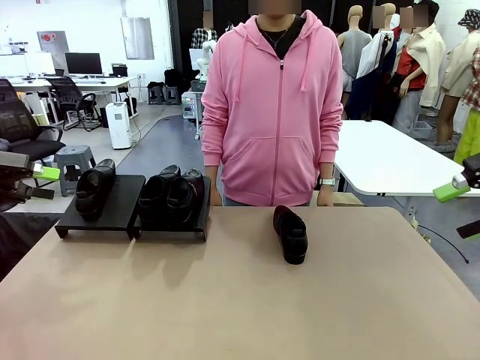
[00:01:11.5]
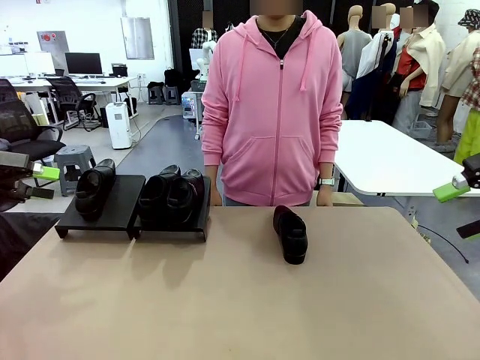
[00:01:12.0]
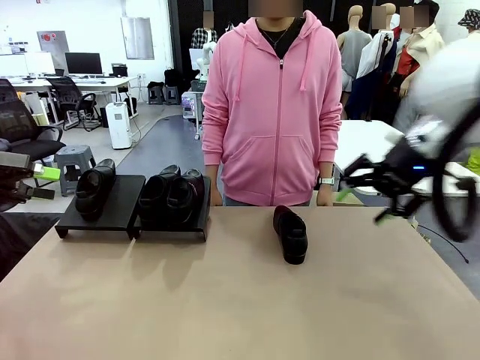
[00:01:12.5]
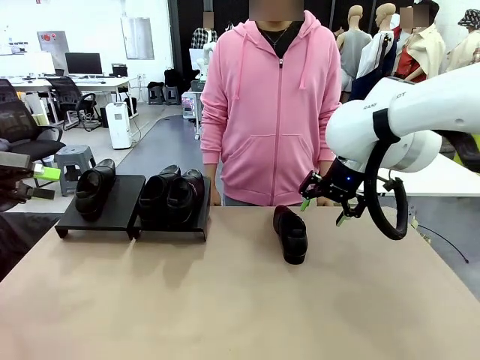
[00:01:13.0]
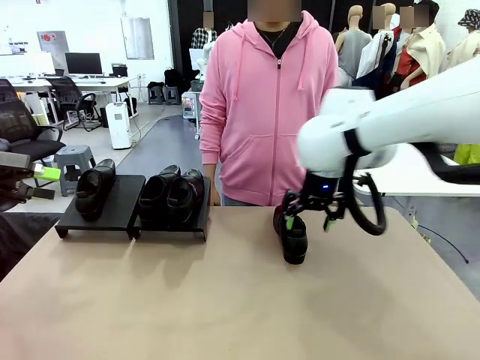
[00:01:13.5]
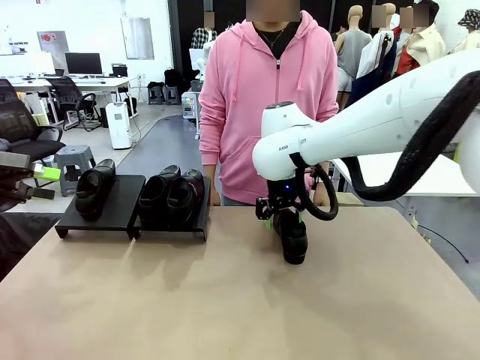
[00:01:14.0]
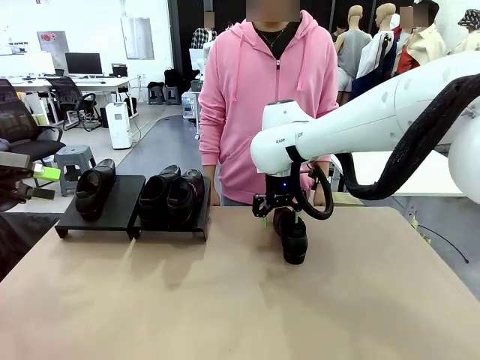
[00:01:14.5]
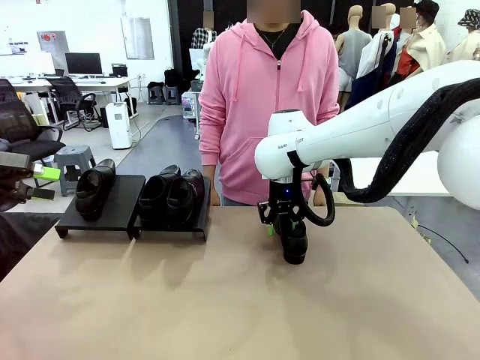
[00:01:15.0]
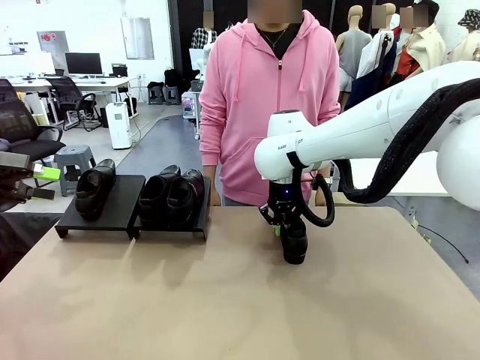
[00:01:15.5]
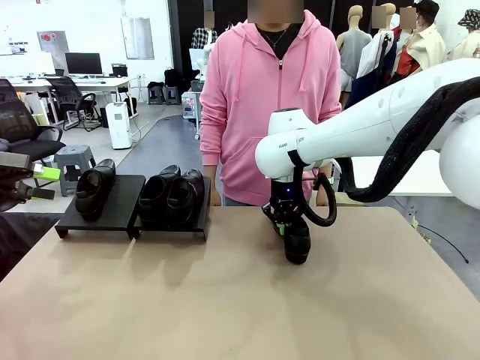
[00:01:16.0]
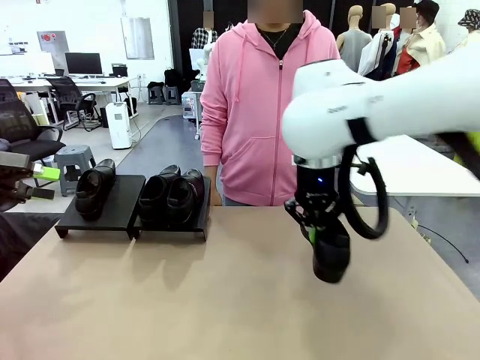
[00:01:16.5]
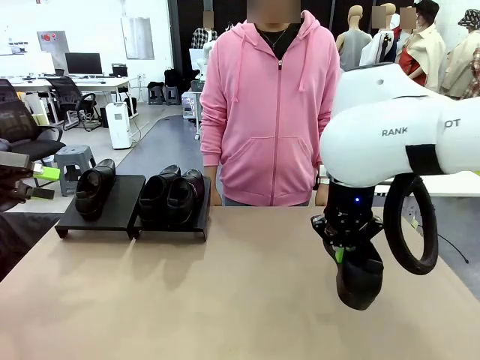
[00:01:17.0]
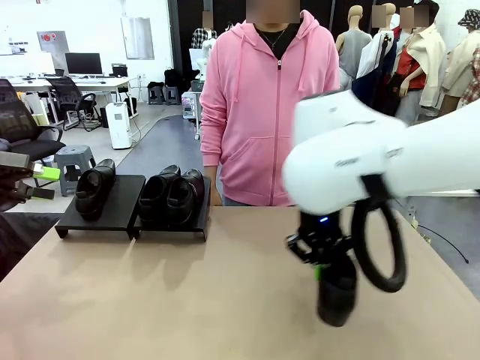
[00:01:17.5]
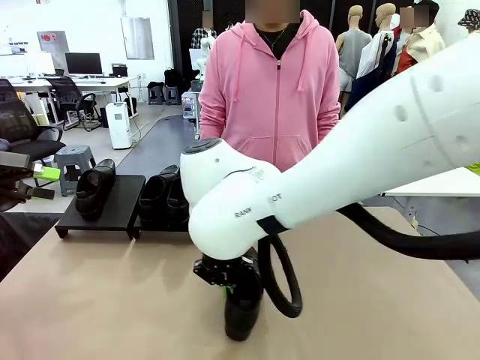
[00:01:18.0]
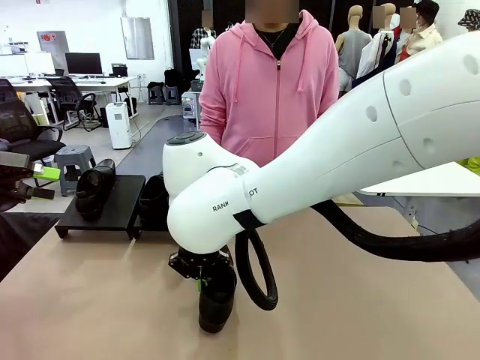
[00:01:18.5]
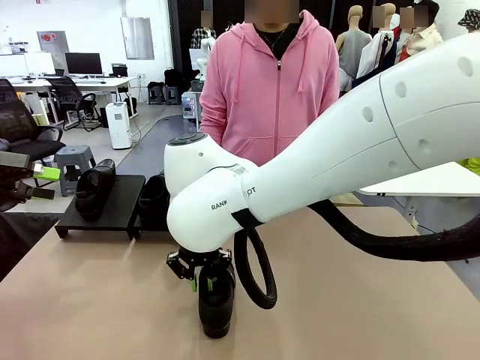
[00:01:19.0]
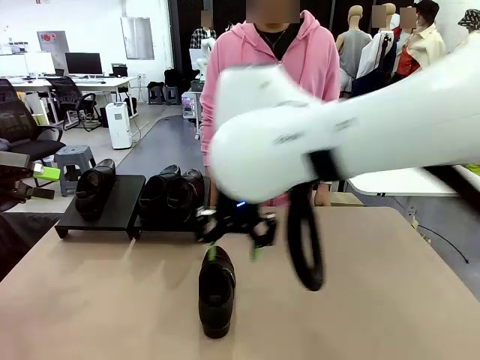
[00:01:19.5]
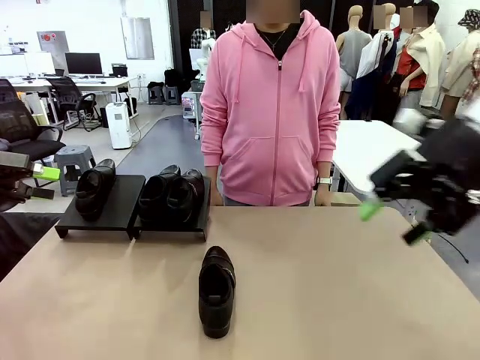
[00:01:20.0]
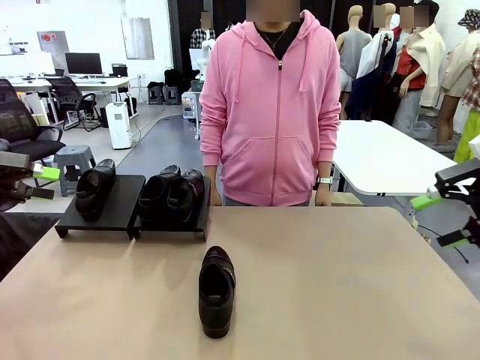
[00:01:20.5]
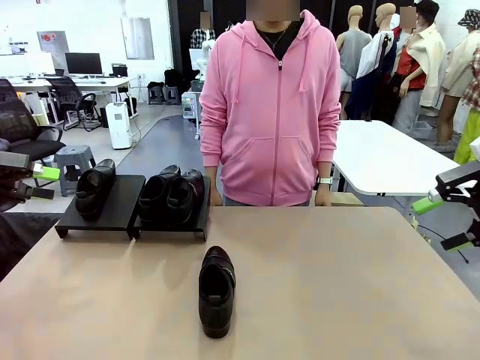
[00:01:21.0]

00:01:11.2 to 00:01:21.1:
Task: Organize the shoes by placing them on the stand.
Robot: Pick up one Shoe and place it in the middle of the table.

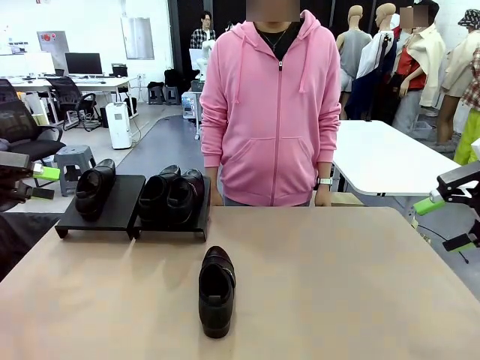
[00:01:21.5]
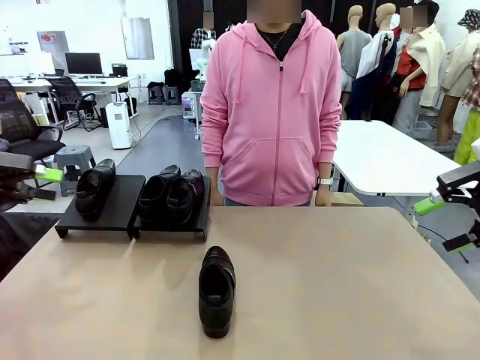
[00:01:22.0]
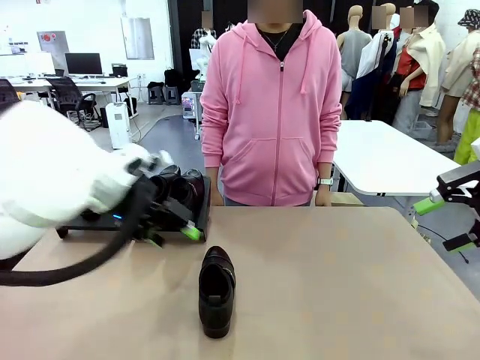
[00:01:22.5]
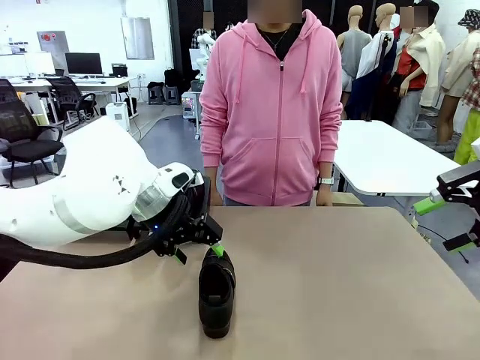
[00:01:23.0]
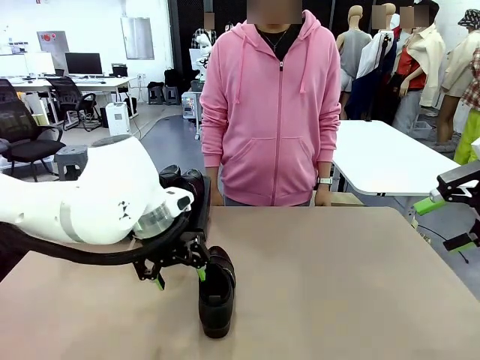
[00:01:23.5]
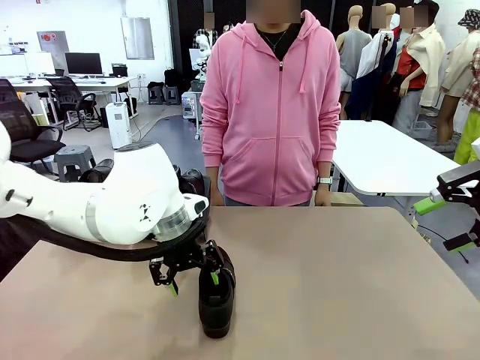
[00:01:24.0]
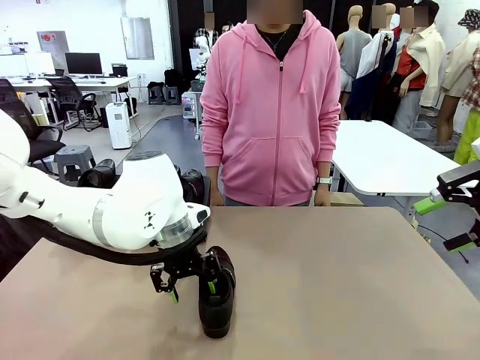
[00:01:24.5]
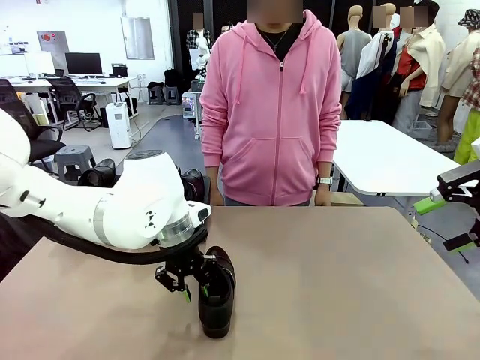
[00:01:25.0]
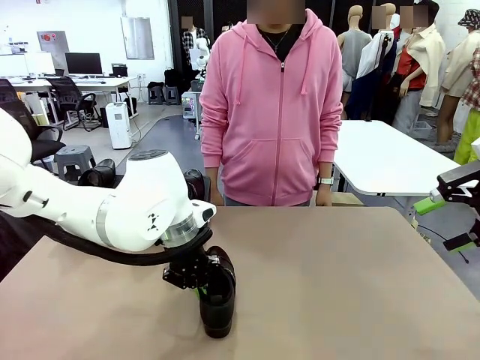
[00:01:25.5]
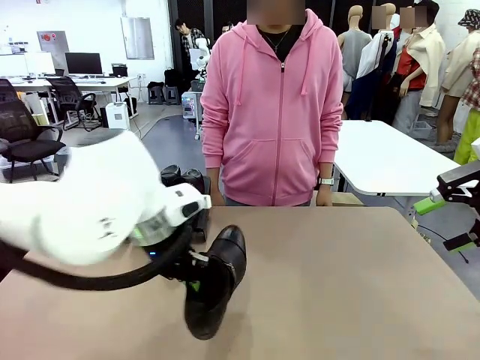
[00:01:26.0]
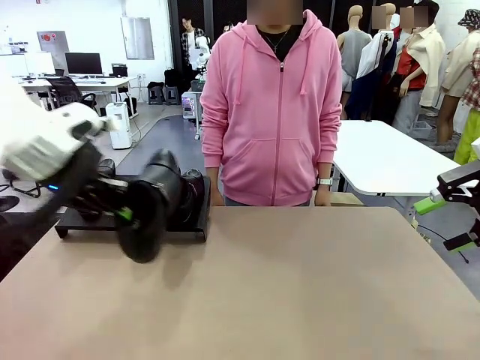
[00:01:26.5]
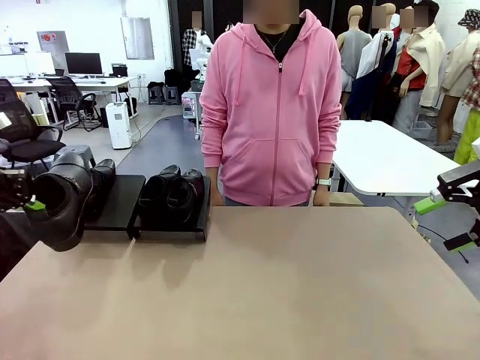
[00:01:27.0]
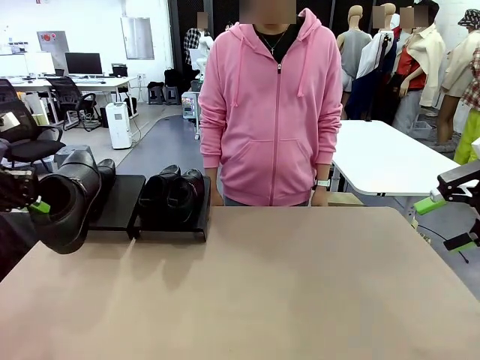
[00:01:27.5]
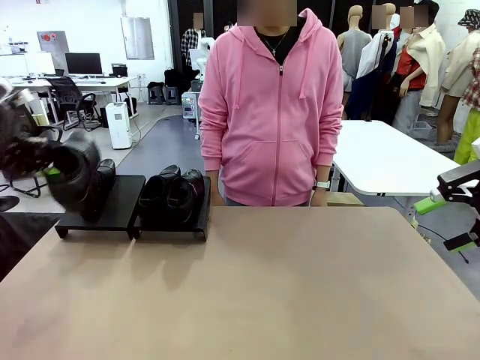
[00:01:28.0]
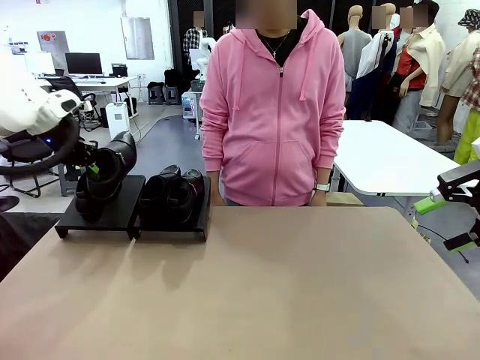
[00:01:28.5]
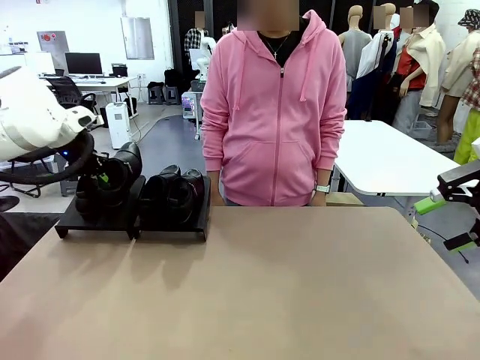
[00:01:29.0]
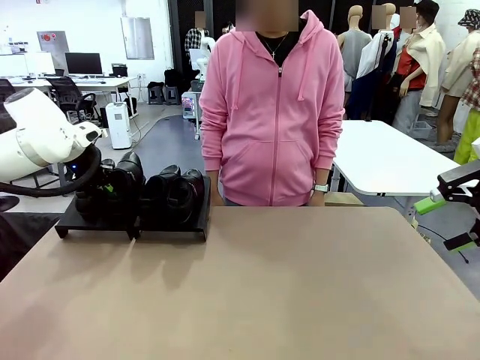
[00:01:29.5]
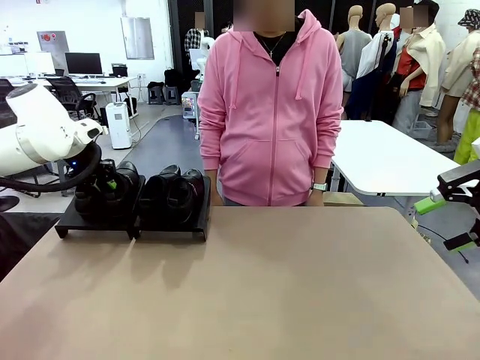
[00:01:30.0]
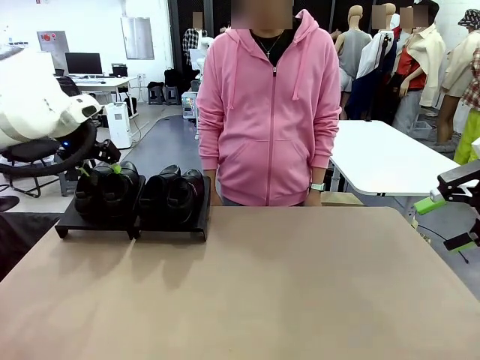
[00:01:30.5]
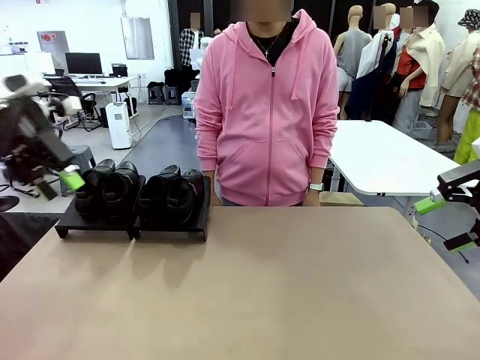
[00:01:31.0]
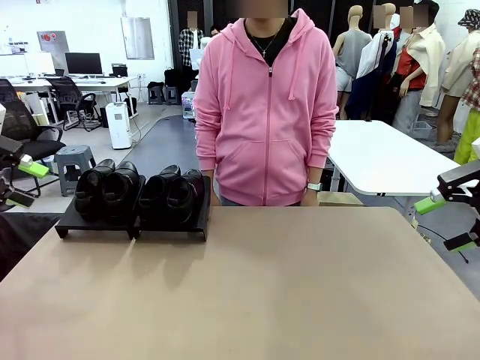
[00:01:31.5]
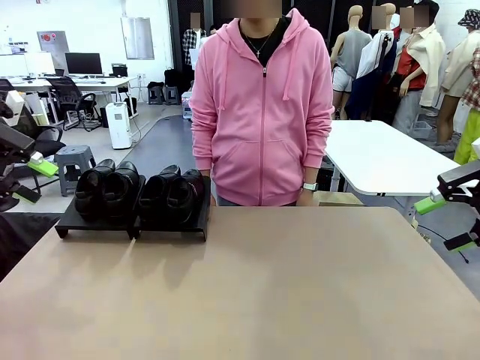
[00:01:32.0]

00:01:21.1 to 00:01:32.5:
Robot: Place the Shoe from the middle of the table onto the Shoes Stand.
